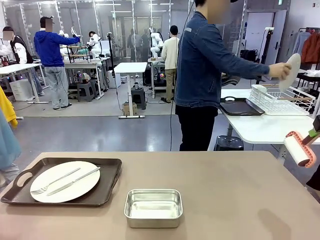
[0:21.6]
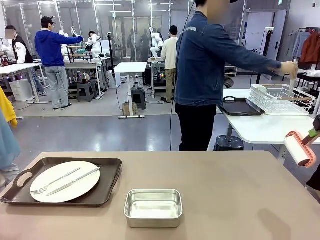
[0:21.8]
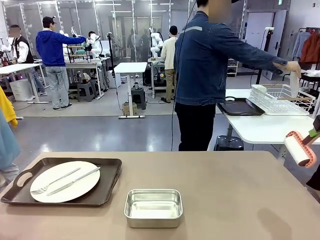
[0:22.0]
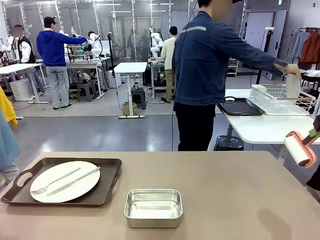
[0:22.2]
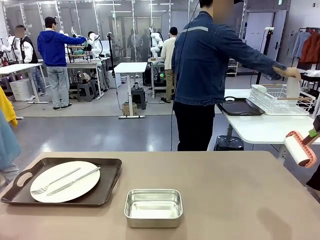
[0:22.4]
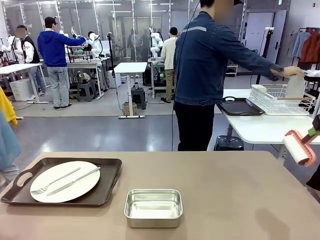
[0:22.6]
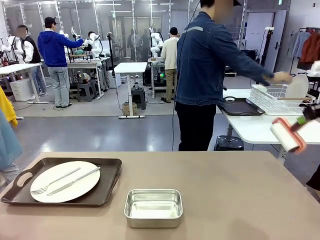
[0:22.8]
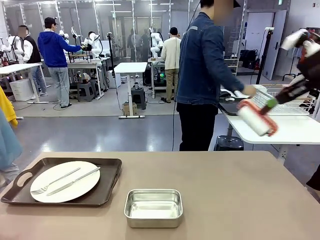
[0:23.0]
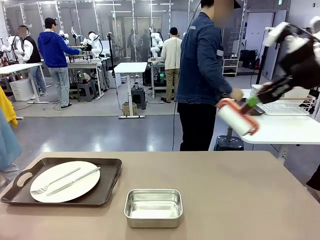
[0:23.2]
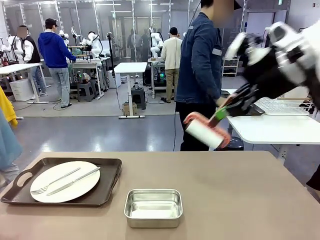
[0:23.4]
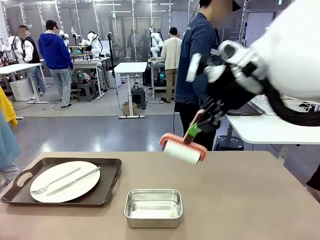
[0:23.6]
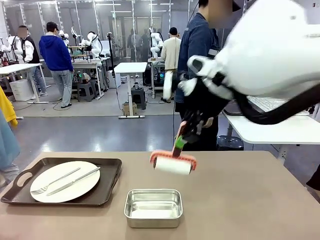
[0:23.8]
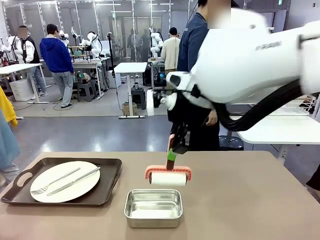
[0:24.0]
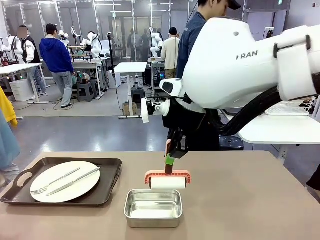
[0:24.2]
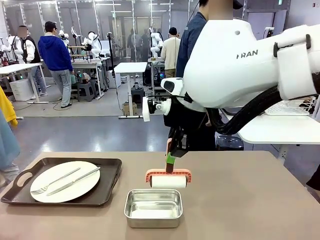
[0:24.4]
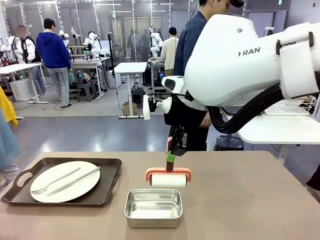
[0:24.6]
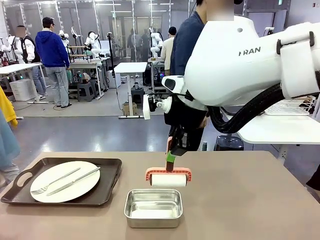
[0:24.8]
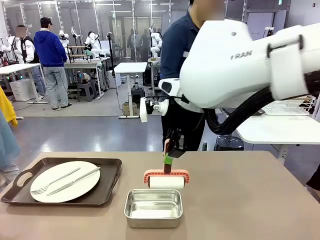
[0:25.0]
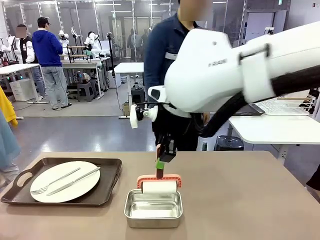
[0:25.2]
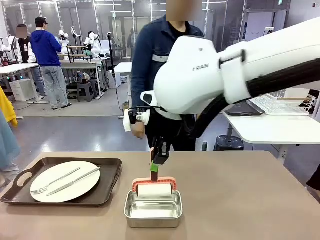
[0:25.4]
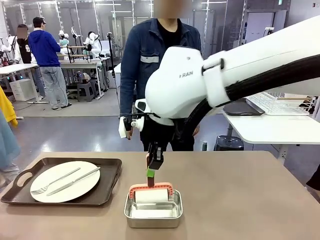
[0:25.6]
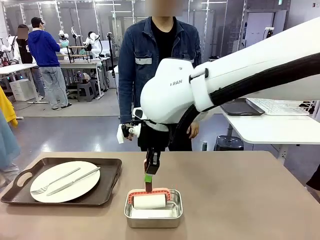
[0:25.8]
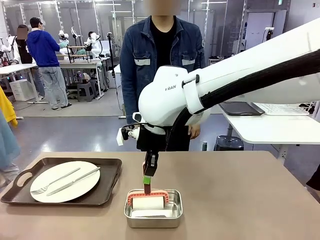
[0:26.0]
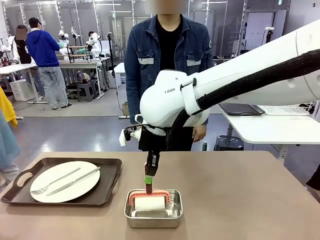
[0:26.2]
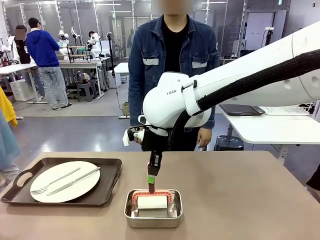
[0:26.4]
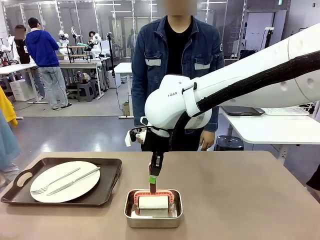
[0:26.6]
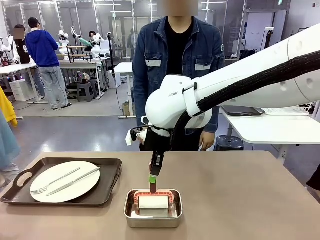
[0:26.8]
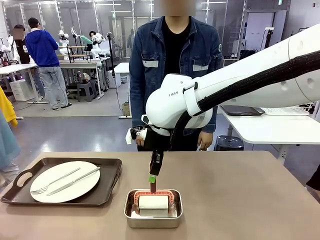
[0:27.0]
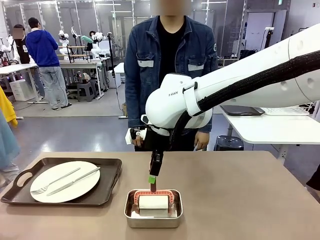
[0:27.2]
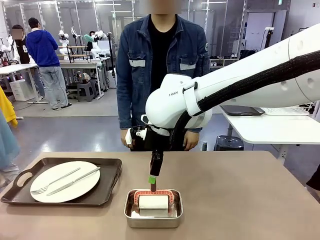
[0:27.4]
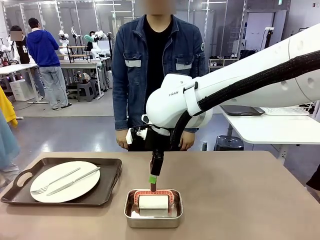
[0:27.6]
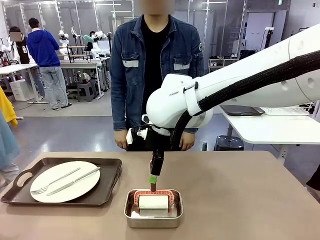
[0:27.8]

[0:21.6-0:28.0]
Robot: Place the Lint Roller back on top of the Airtight Container.

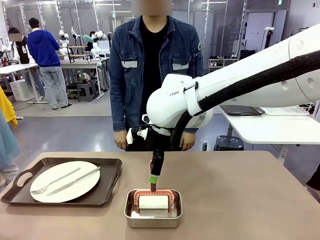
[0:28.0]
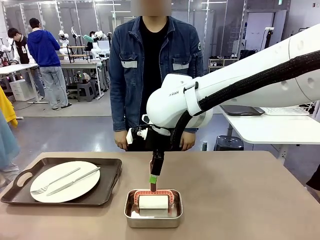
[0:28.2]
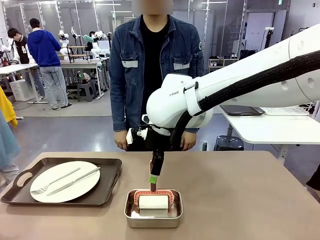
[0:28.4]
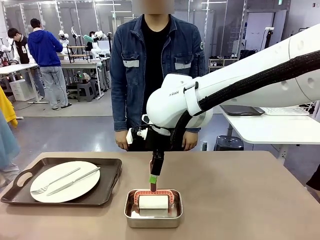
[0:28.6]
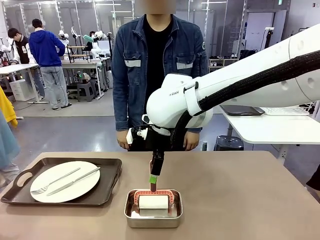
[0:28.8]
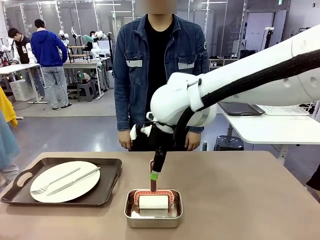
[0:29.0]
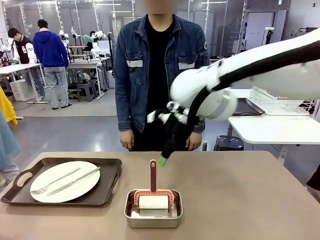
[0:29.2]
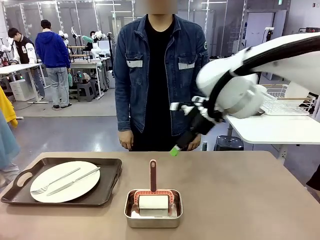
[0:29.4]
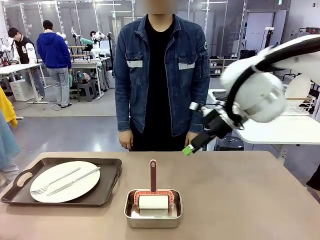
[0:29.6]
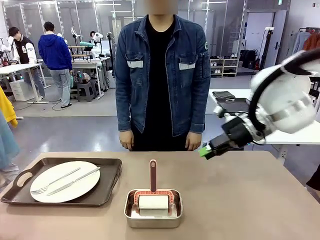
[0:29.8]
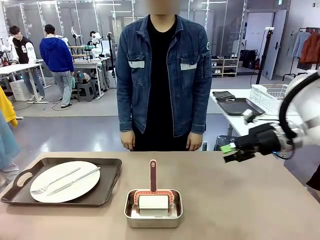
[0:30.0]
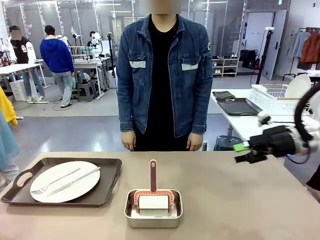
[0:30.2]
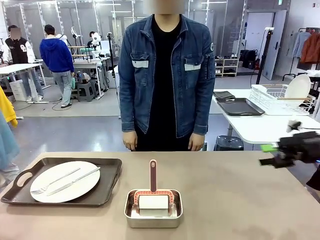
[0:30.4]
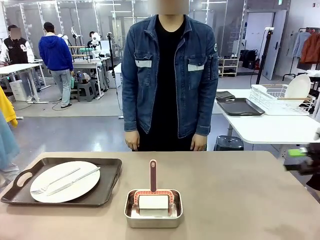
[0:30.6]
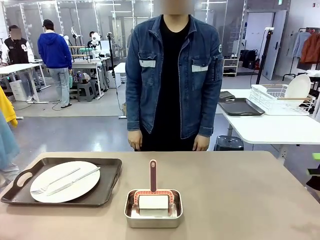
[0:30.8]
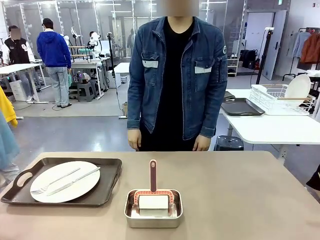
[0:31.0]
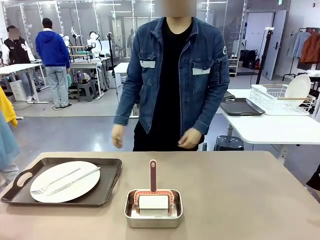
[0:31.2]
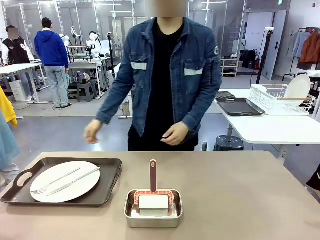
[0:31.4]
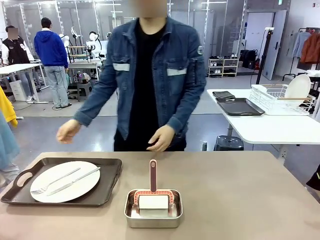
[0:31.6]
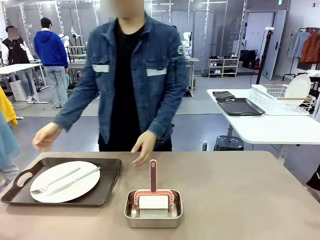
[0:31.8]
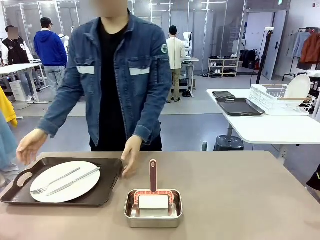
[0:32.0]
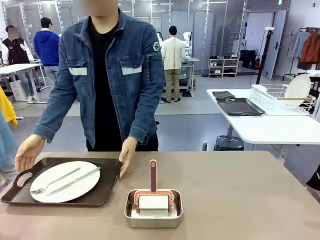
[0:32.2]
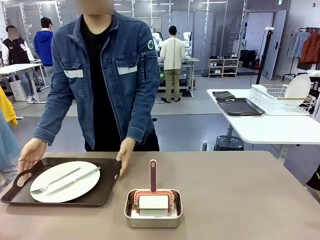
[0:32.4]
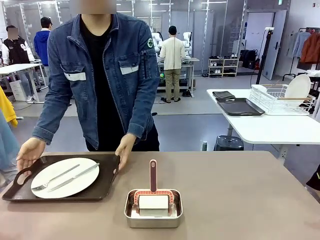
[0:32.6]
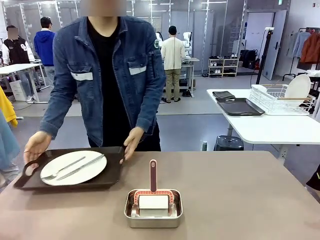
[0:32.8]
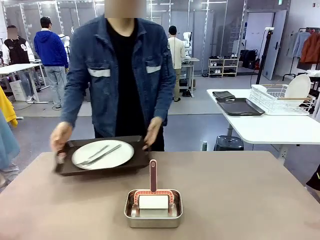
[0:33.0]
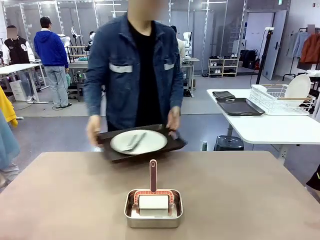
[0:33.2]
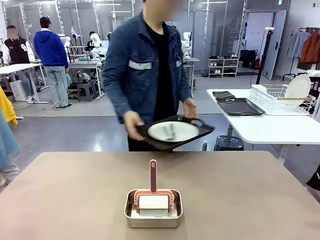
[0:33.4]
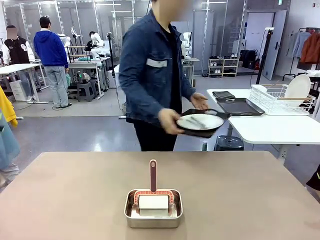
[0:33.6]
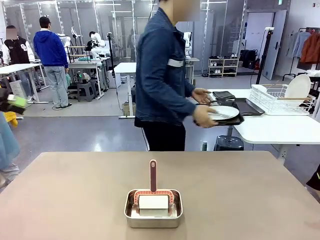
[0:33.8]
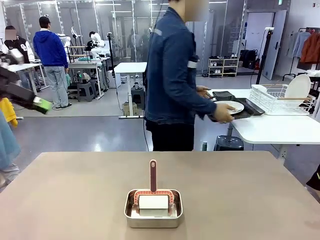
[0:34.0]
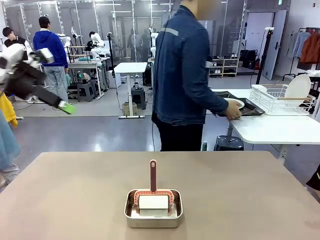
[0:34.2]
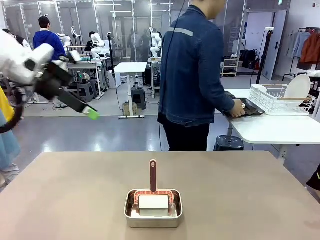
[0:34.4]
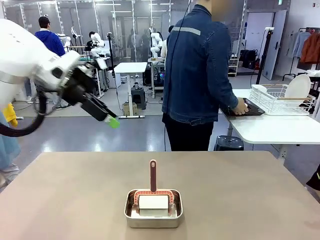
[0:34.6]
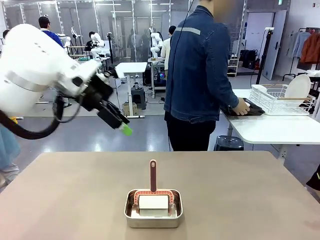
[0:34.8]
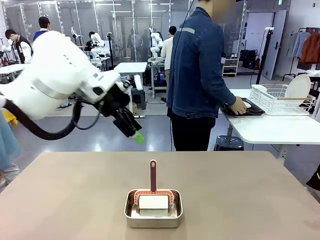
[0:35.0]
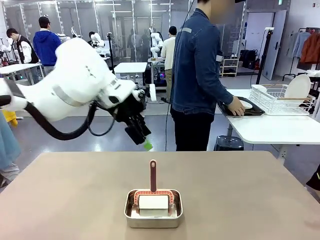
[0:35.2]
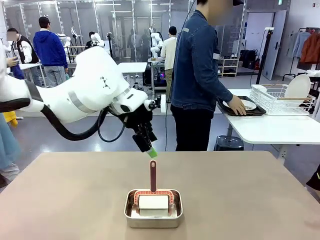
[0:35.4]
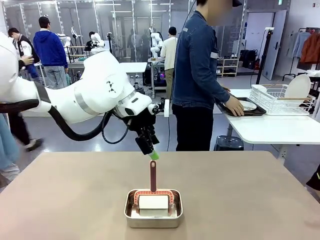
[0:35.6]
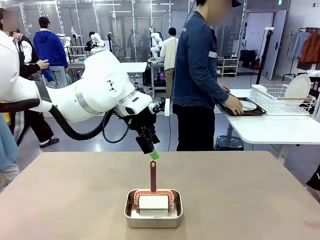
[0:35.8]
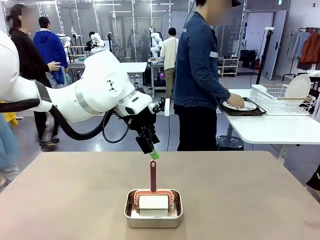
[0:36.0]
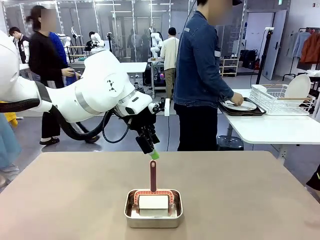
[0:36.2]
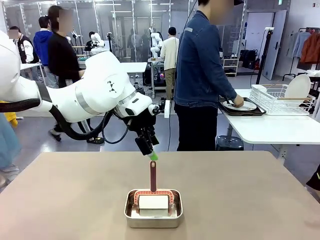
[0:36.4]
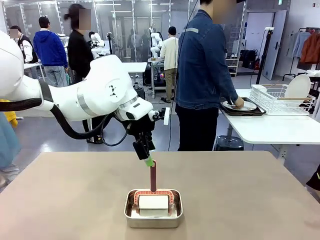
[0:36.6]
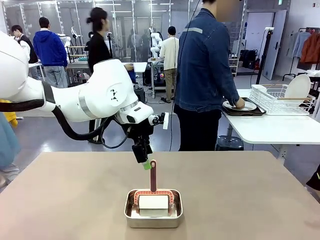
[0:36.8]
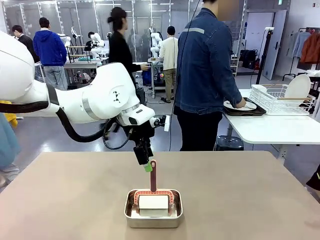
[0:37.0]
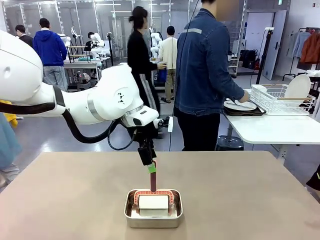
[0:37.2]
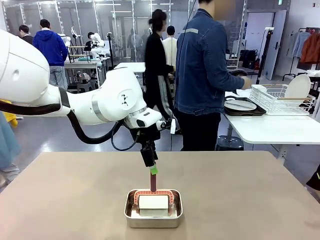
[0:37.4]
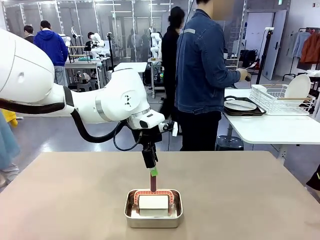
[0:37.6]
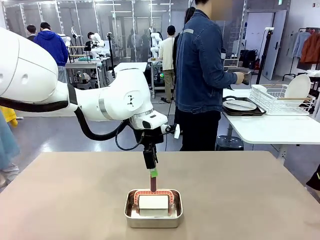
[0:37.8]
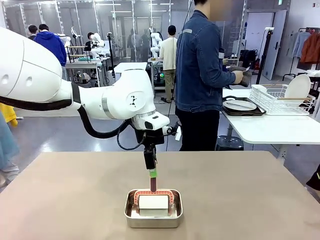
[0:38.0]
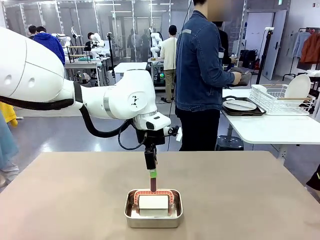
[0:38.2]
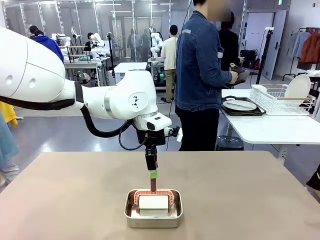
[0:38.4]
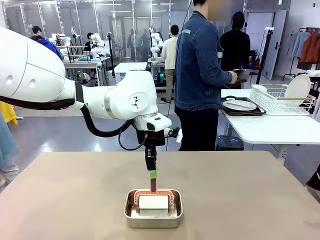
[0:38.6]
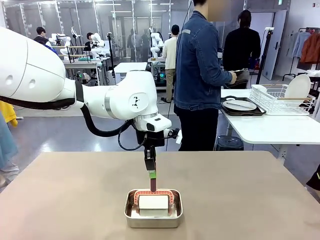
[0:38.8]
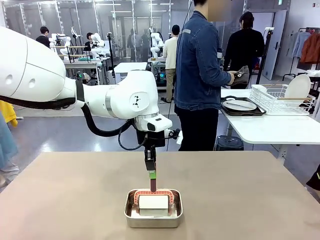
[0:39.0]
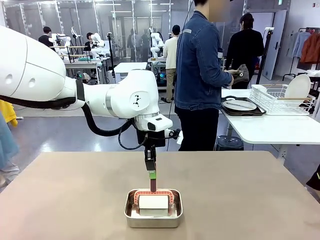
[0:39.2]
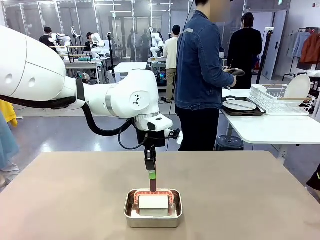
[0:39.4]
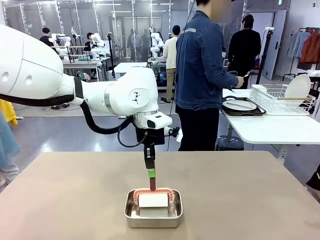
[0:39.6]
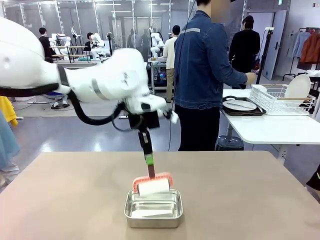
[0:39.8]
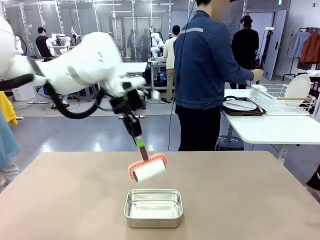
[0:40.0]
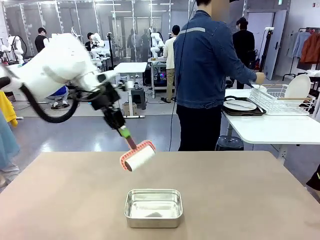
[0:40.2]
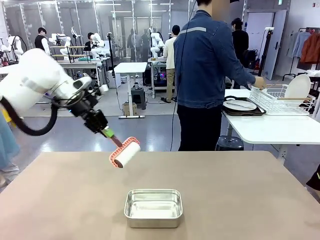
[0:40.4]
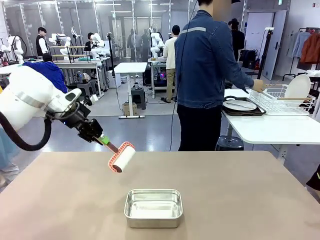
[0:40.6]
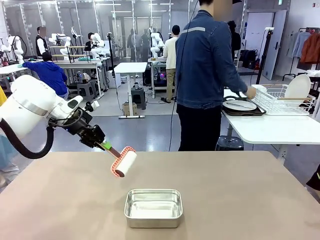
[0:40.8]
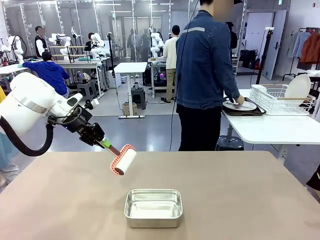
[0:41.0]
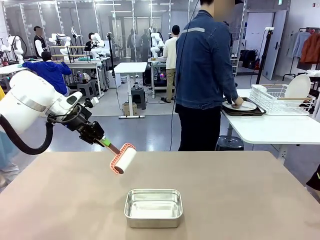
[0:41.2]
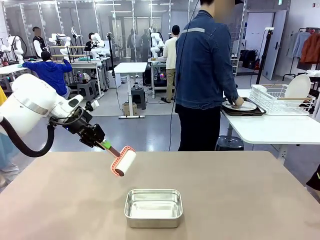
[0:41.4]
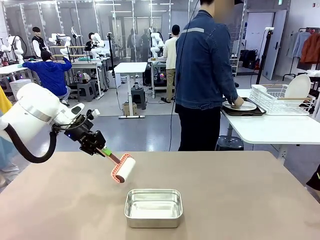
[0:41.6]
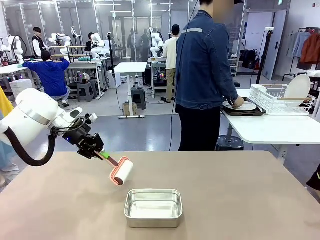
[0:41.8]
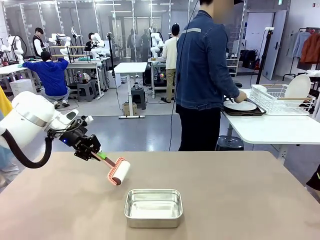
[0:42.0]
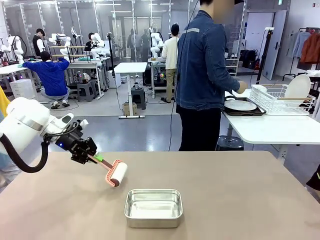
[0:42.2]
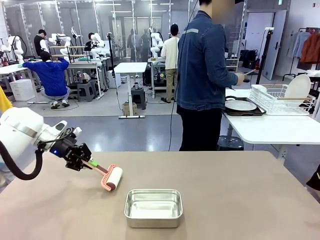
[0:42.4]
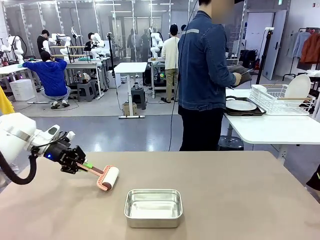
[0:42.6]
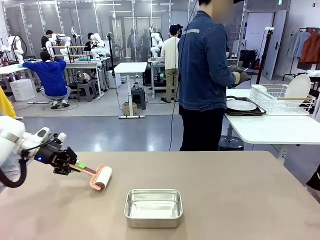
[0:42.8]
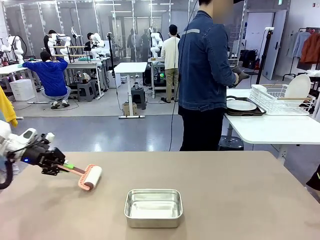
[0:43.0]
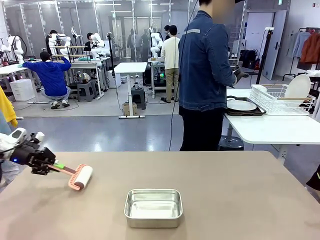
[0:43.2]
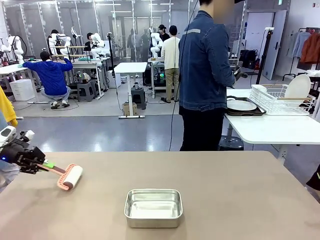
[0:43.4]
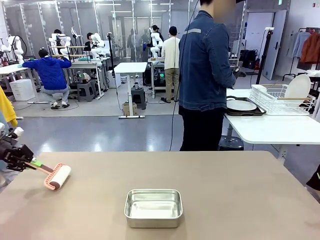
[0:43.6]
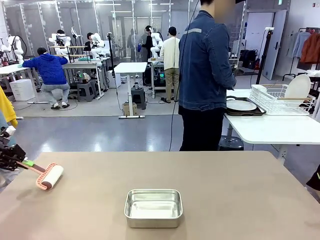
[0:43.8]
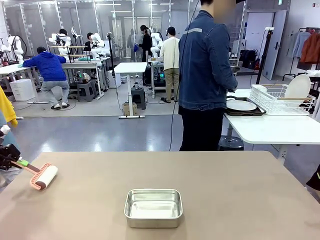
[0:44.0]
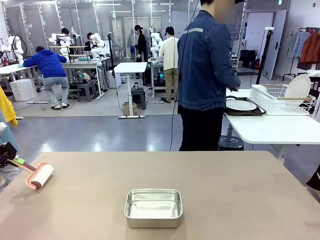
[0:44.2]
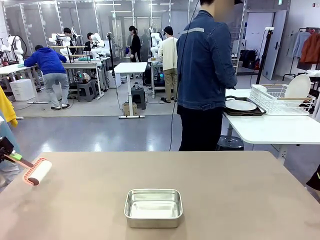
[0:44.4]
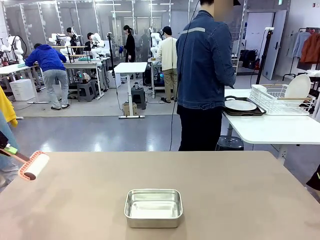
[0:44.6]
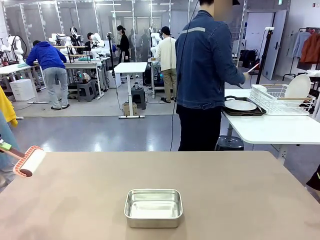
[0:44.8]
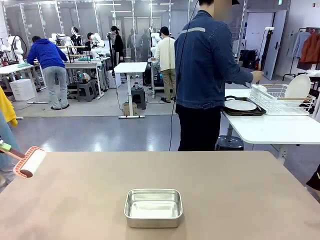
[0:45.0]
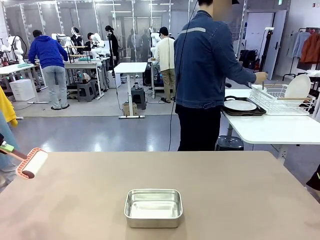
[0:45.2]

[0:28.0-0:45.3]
Robot: When the right (or left) Handle tray is removed, use the right hand (or left hand) to clean the right (or left) side of the table with the Lint Roller.
Person: Pick up the left (or right) Handle tray and place it on the Handle tray.
